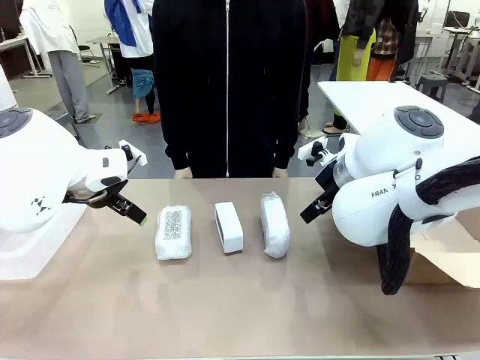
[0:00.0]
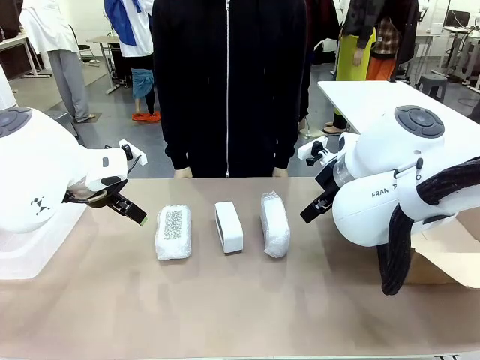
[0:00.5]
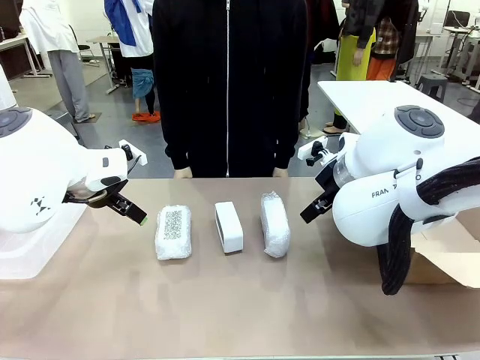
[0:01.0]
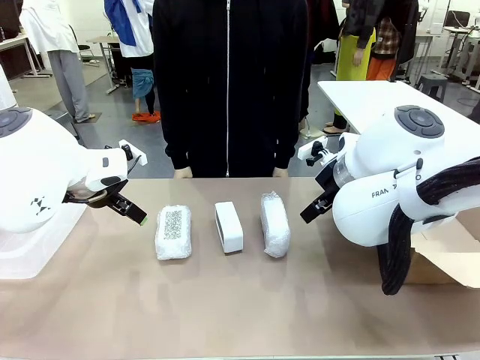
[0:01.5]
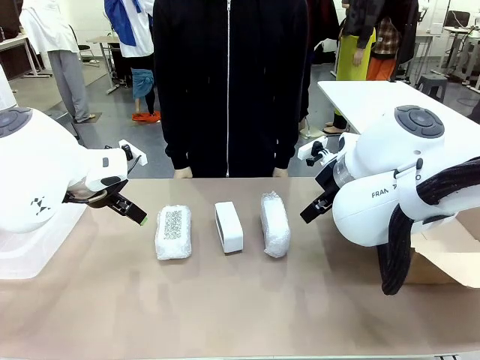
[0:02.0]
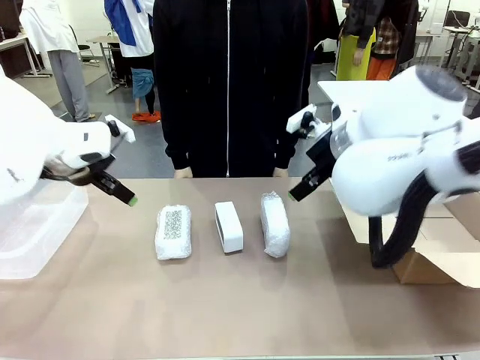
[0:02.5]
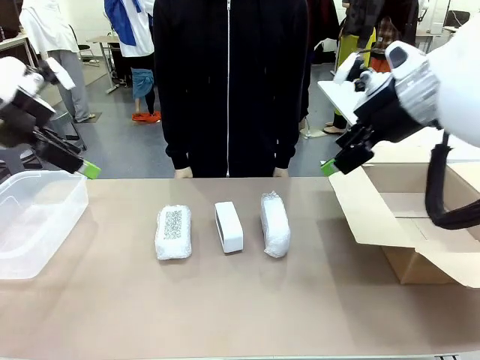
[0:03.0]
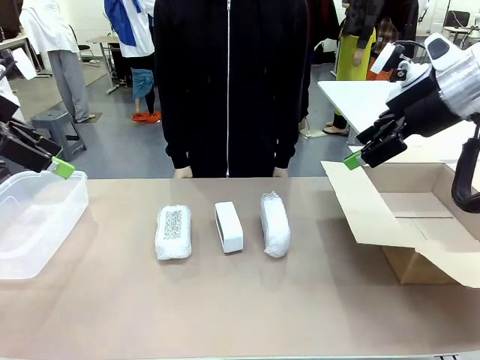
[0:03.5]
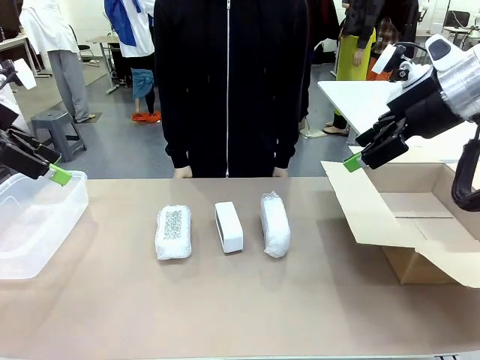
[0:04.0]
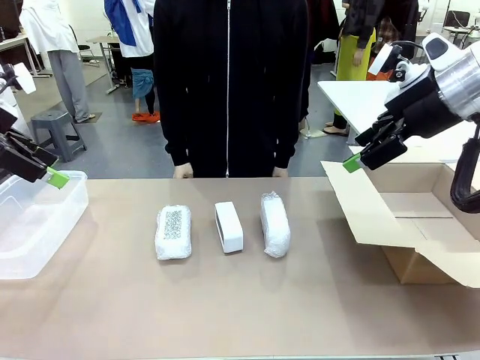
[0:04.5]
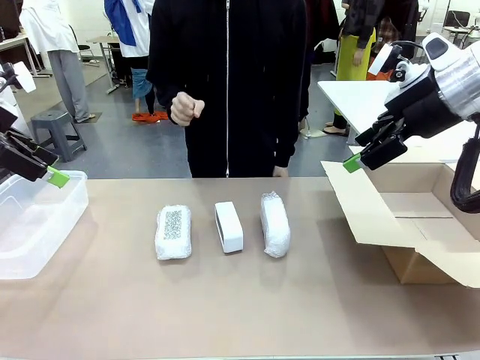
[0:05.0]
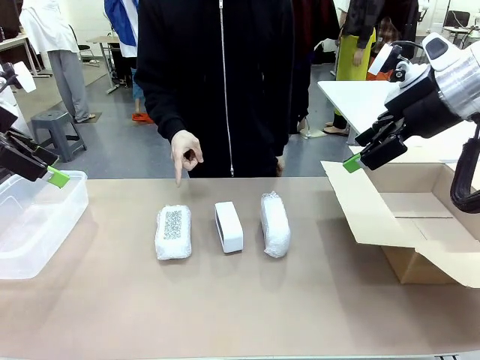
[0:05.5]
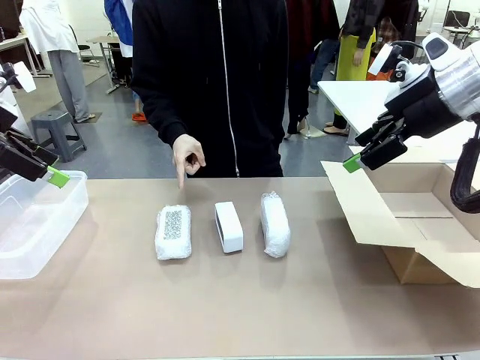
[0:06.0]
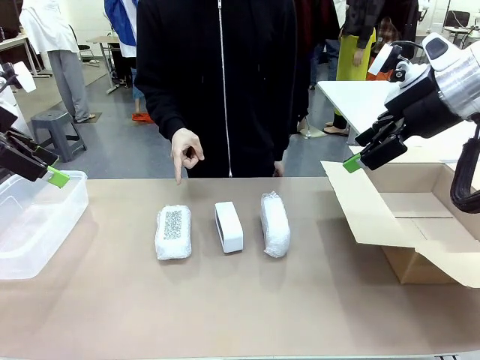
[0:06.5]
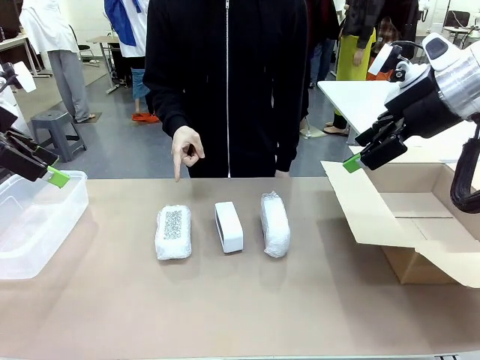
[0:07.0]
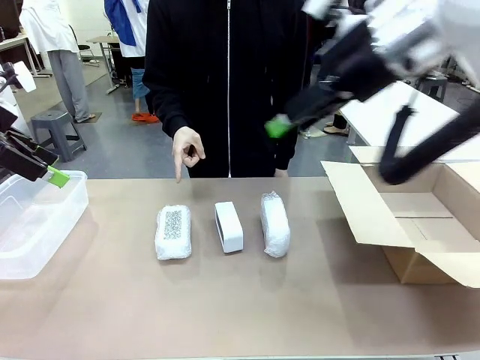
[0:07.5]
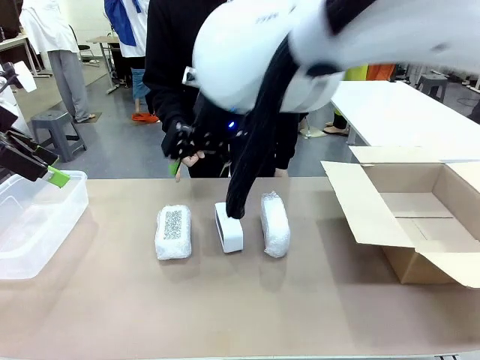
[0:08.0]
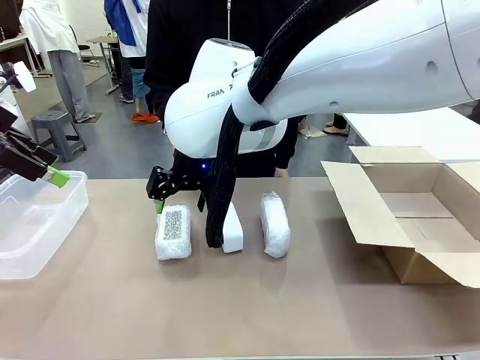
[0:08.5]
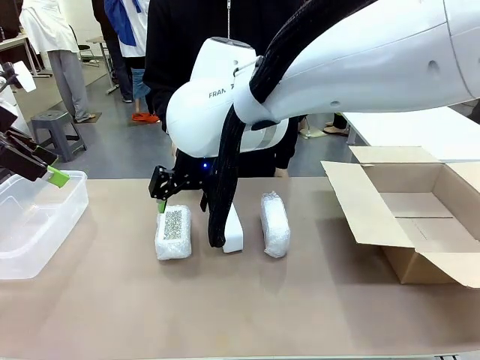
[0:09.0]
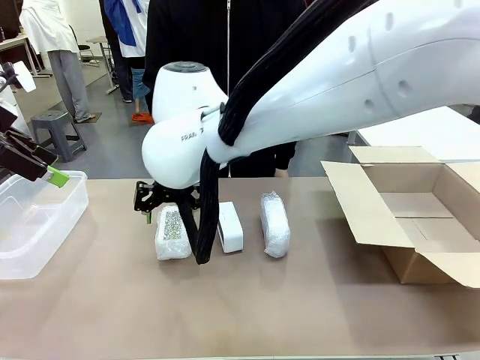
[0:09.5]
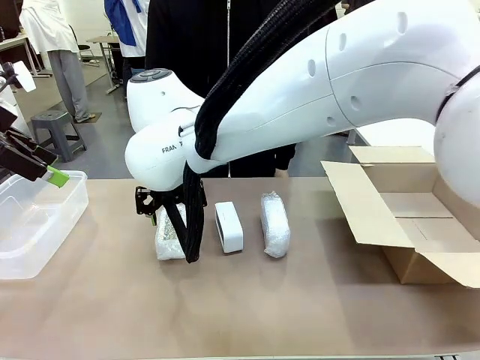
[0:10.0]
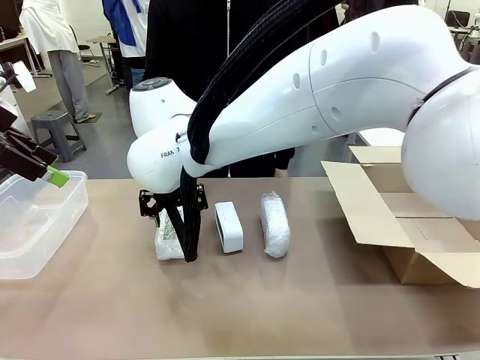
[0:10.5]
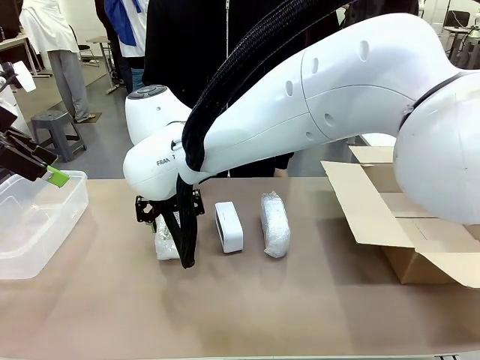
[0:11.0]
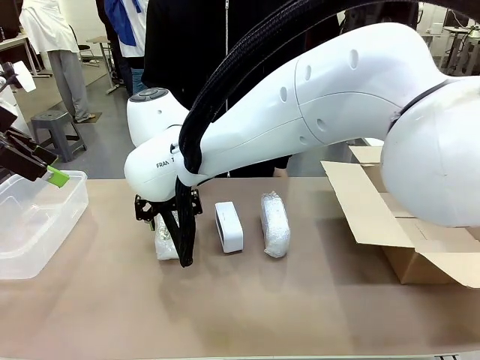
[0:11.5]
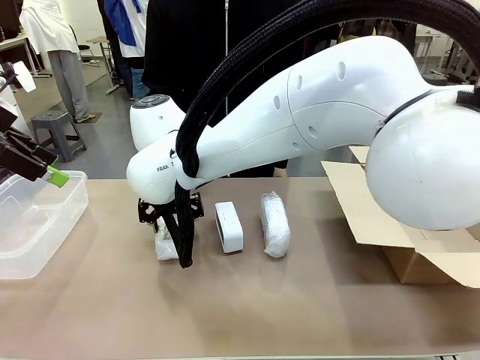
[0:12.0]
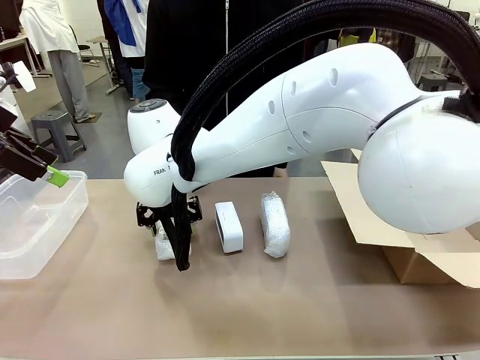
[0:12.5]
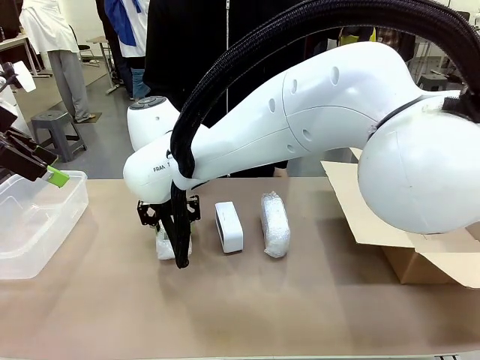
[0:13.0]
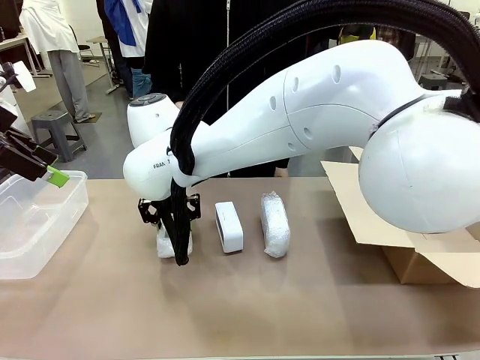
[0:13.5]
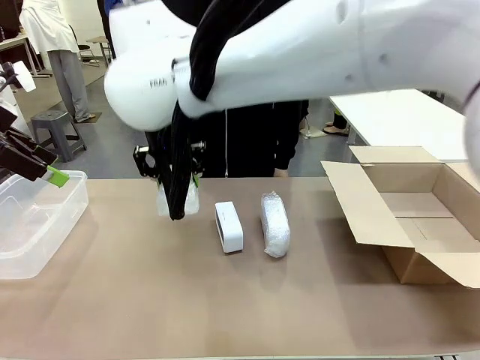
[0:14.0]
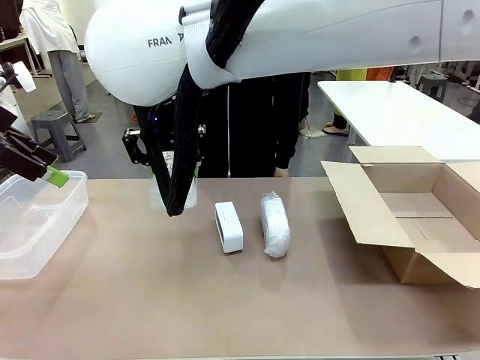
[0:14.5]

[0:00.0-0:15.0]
Task: Separate and place wrapped and unwrapped clocks.
Robot: Pick up the Digital clock indicated by the person.

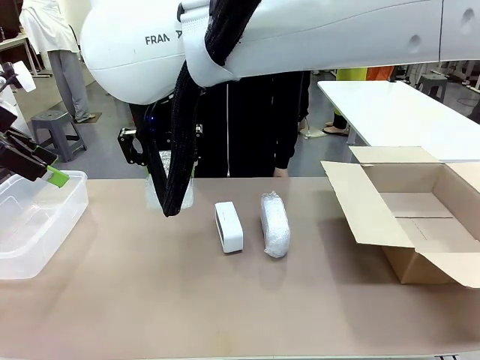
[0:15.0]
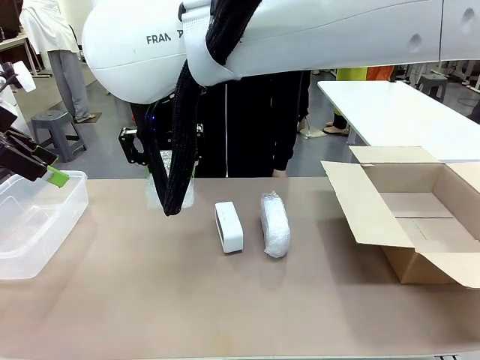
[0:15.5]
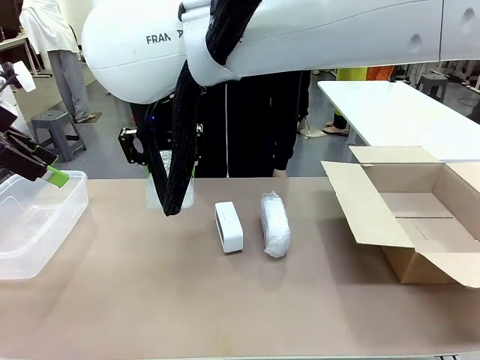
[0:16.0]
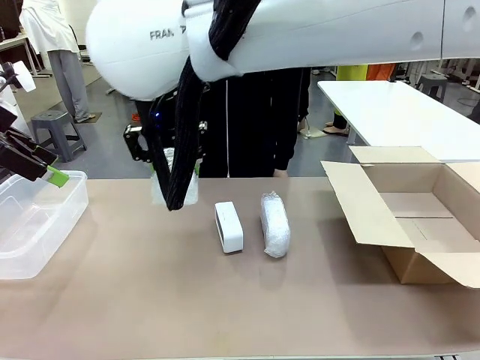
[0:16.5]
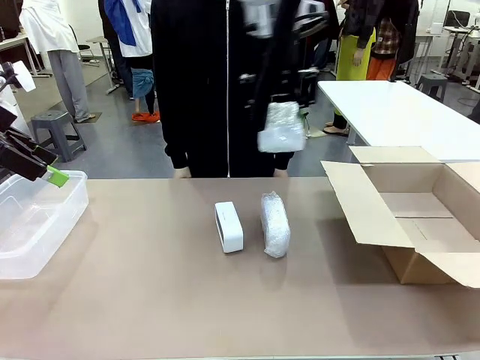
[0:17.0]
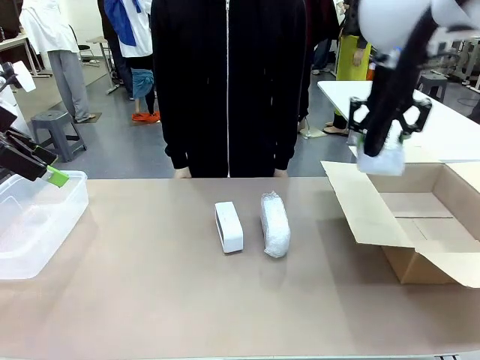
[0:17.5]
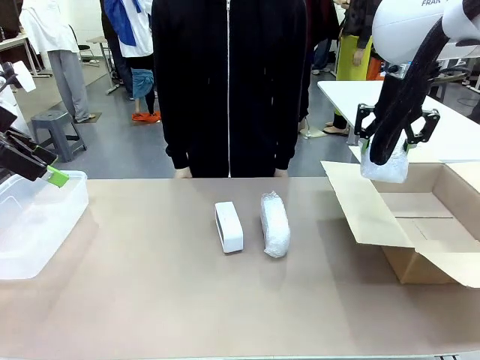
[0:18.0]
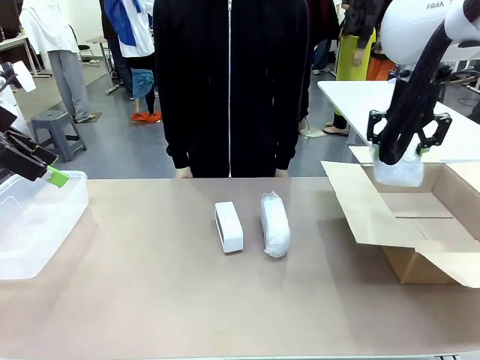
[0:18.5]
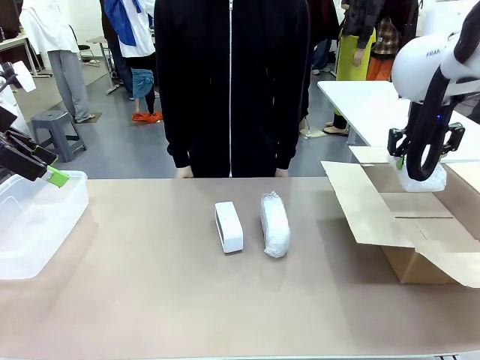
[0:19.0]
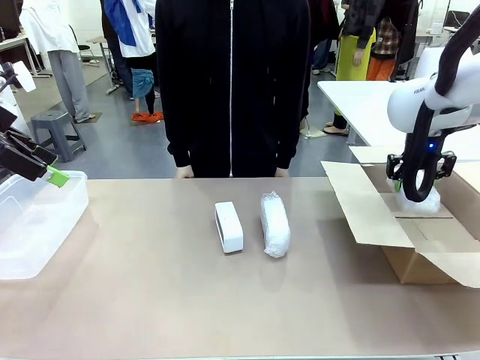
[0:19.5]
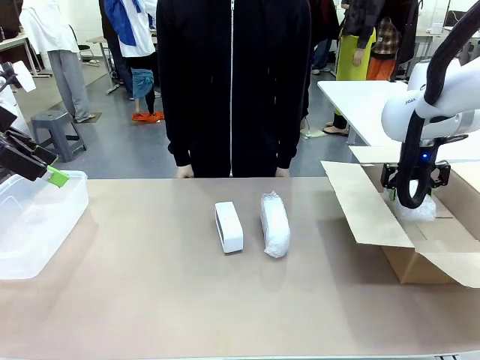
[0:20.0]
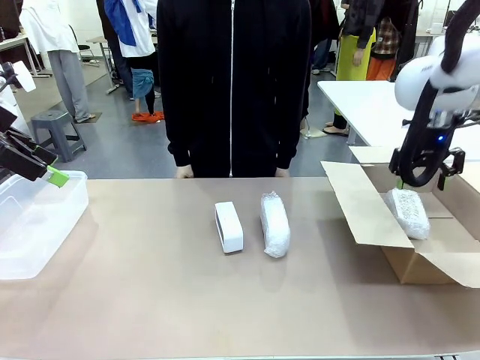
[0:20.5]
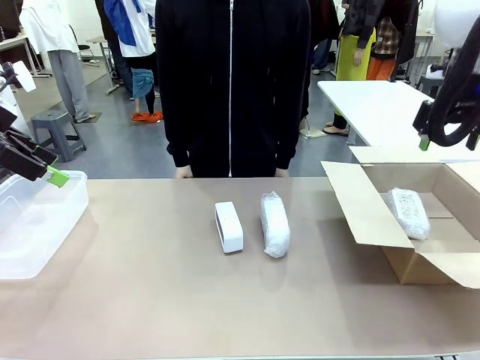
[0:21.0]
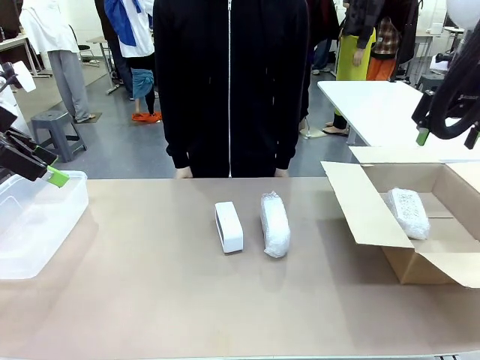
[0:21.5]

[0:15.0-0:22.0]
Robot: If the picked Digital clock is wrapped, place it in the Package Box ; if not, place it in the Organizing box.

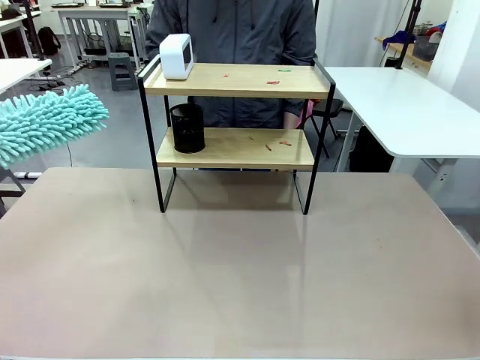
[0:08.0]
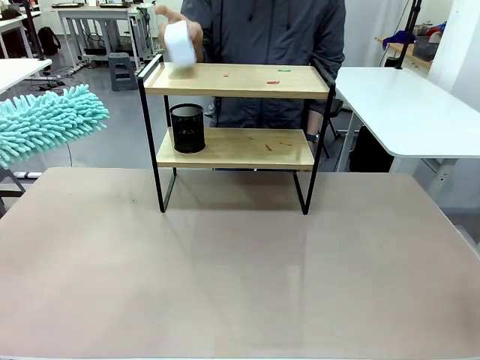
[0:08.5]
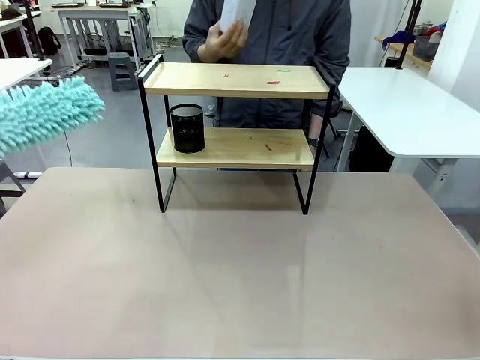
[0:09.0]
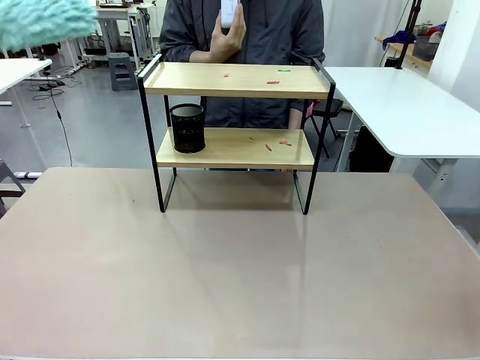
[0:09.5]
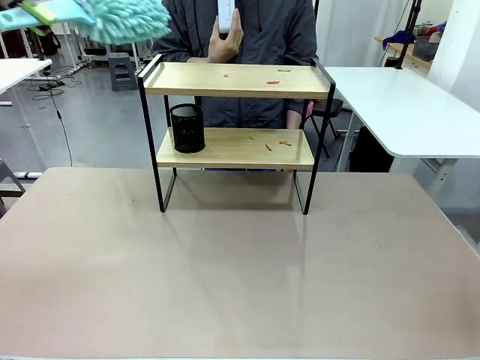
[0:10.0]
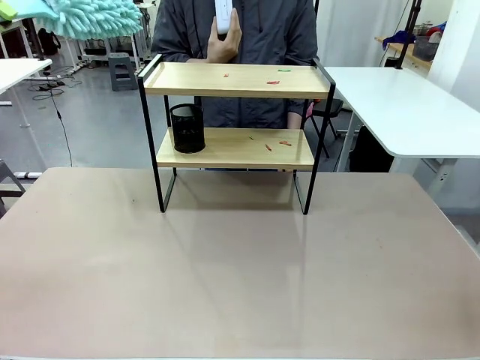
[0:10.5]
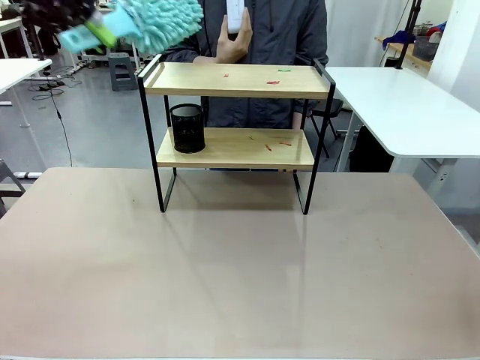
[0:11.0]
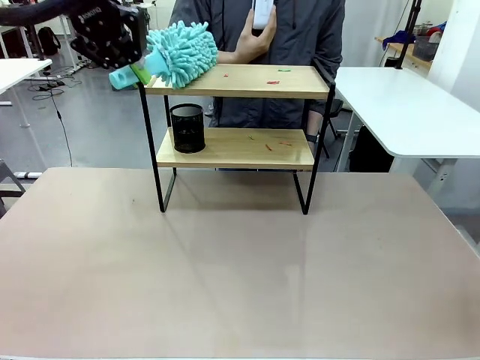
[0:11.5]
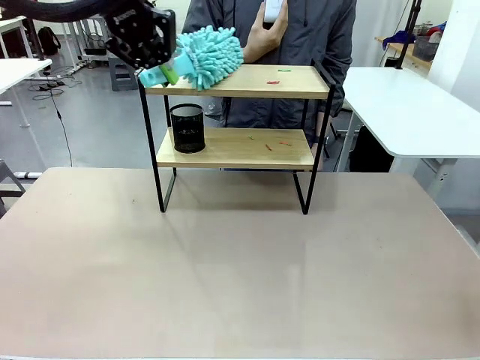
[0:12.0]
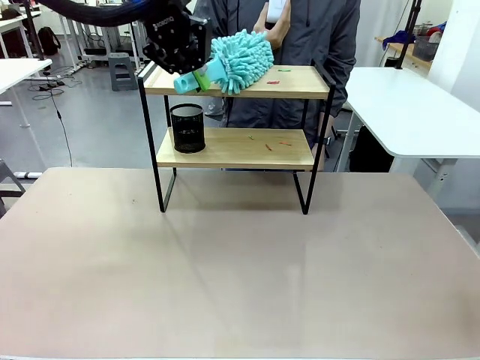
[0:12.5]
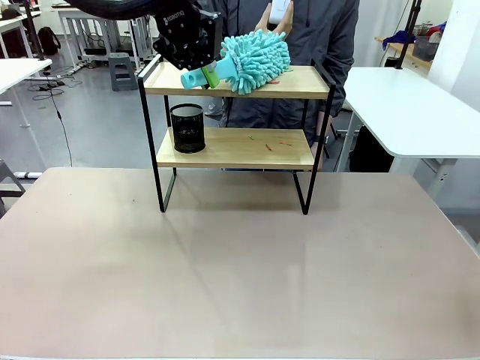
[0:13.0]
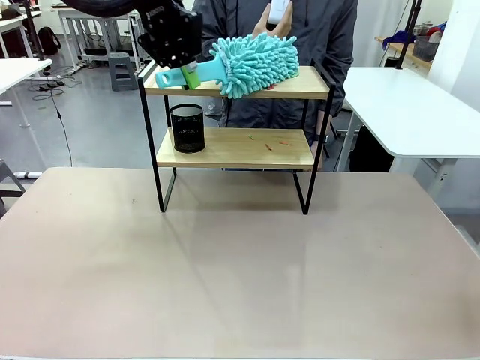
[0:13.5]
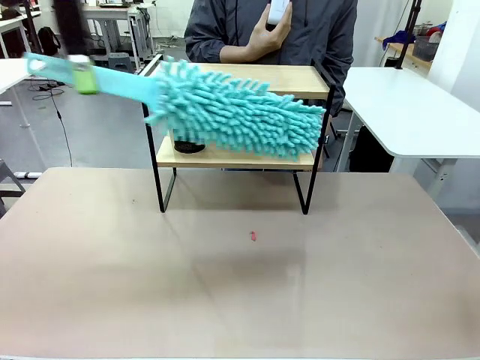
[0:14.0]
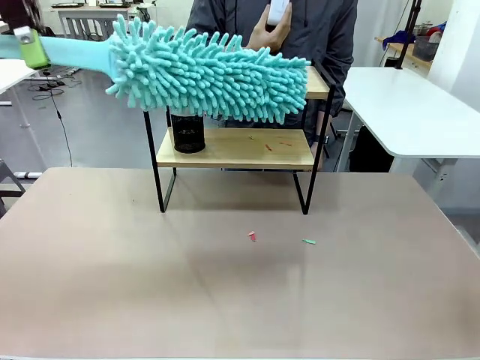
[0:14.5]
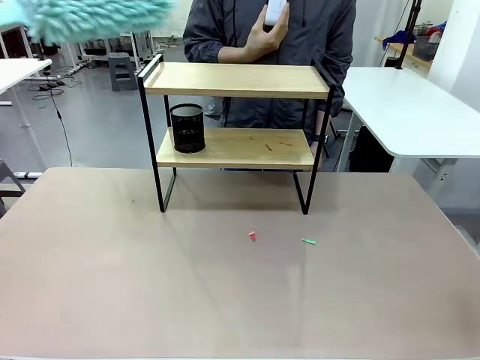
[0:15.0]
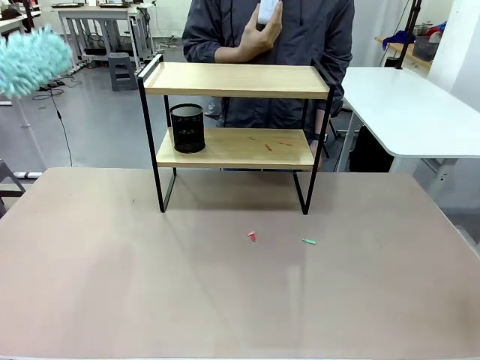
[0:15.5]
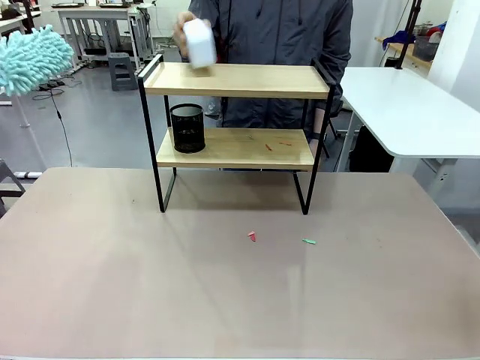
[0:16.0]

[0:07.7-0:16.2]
Task: Clean the shelf.
Robot: Clean the specific tier of the Shelf with the Duster once objects are removed.
Person: Lift the objects on a randomly selected tier of the Shelf. Once the robot finishes cleaning, lift the objects on the remaining tiers of the Shelf.
